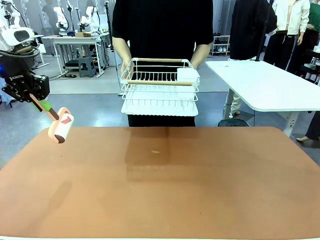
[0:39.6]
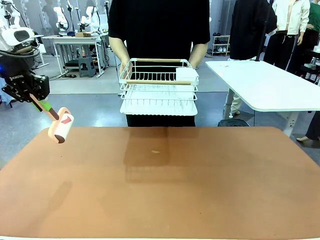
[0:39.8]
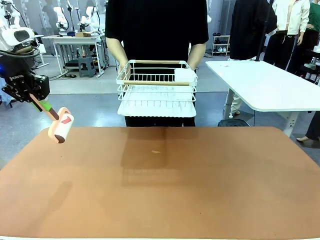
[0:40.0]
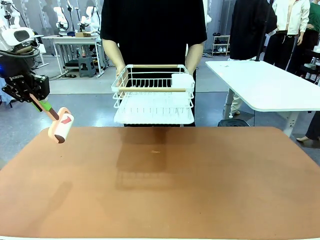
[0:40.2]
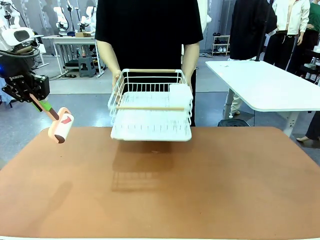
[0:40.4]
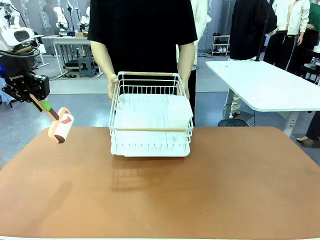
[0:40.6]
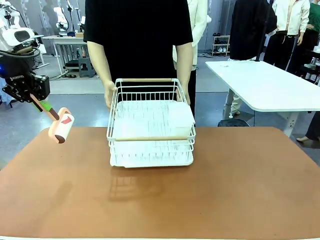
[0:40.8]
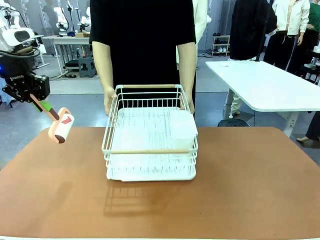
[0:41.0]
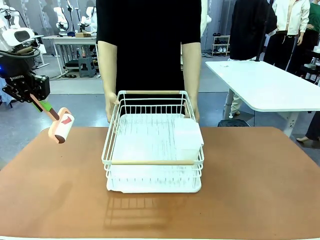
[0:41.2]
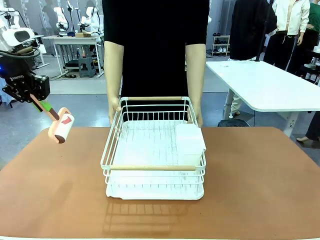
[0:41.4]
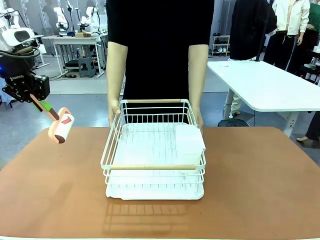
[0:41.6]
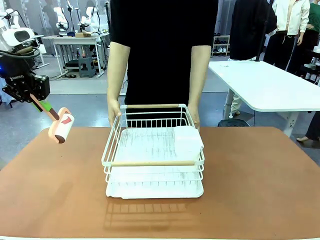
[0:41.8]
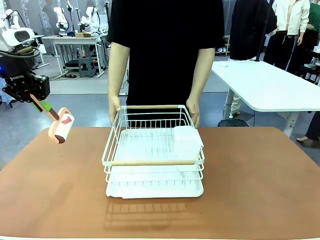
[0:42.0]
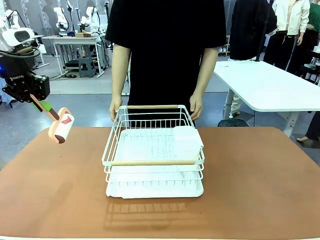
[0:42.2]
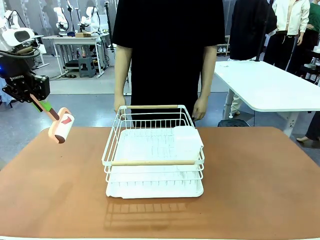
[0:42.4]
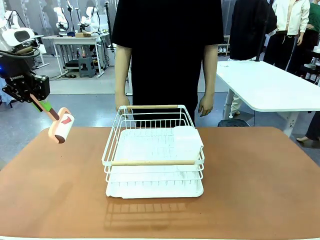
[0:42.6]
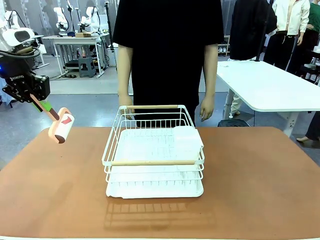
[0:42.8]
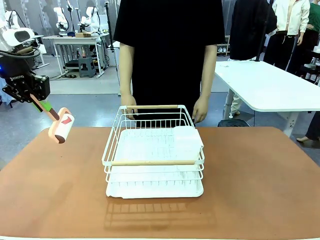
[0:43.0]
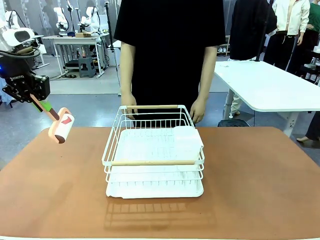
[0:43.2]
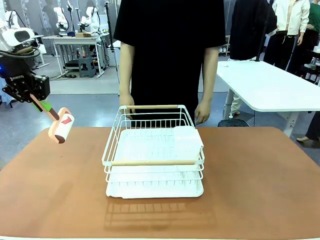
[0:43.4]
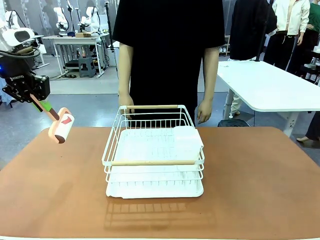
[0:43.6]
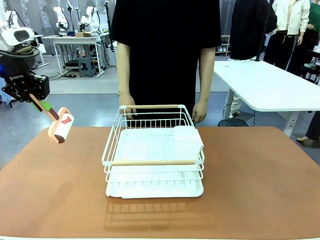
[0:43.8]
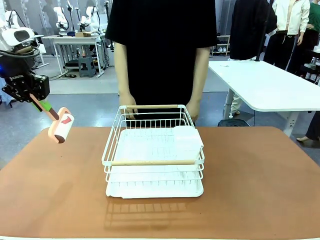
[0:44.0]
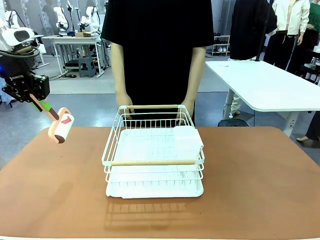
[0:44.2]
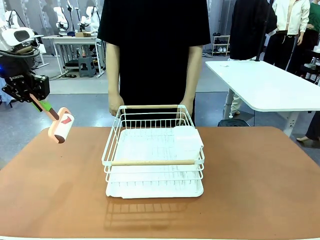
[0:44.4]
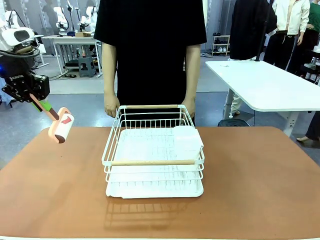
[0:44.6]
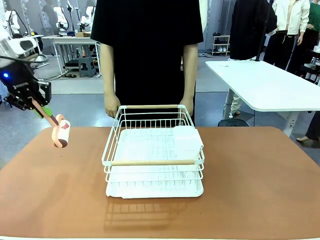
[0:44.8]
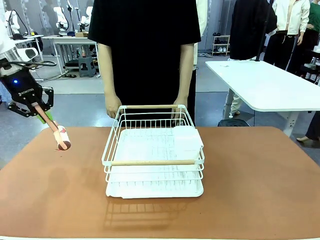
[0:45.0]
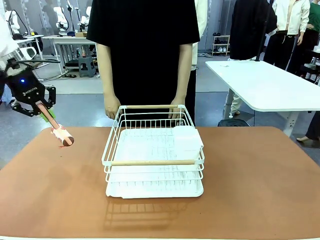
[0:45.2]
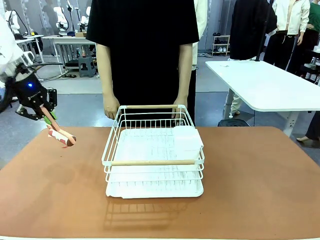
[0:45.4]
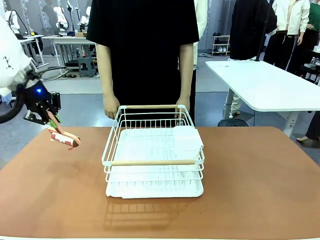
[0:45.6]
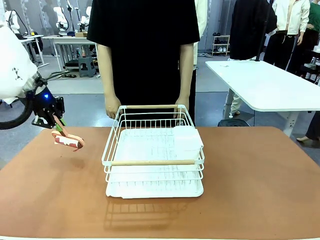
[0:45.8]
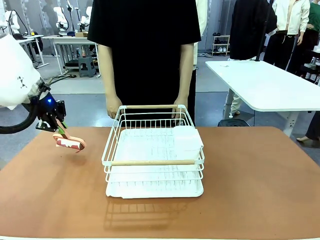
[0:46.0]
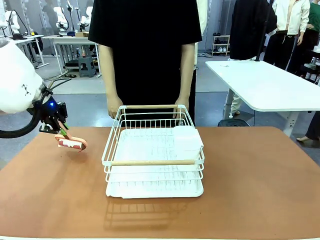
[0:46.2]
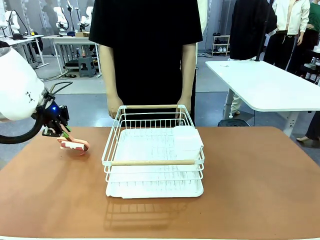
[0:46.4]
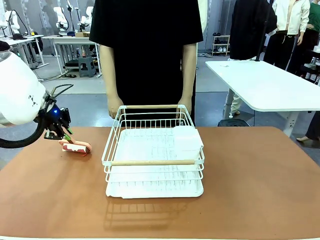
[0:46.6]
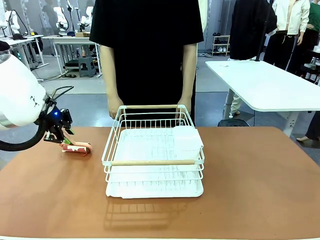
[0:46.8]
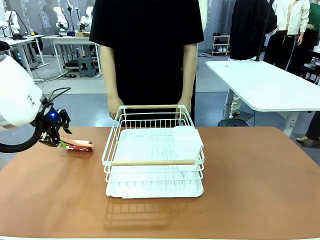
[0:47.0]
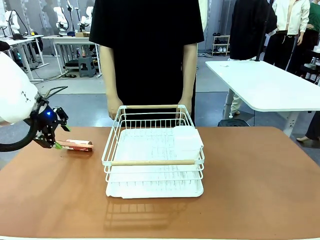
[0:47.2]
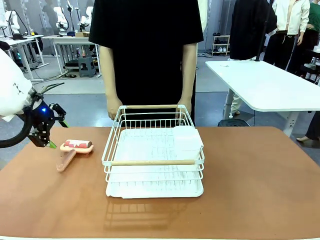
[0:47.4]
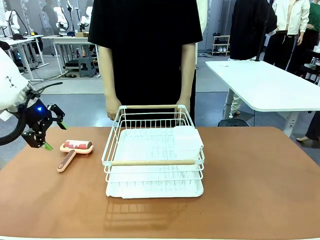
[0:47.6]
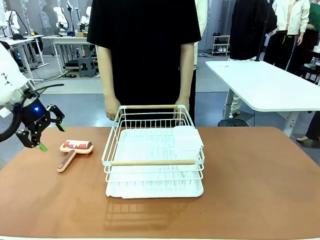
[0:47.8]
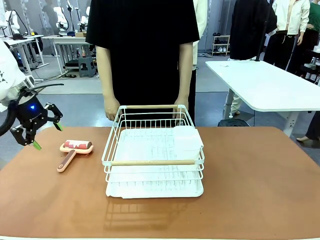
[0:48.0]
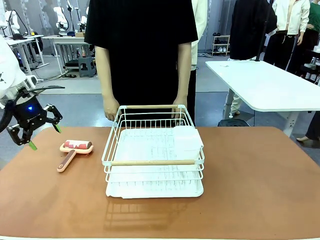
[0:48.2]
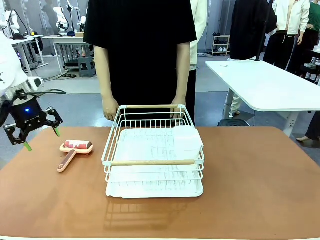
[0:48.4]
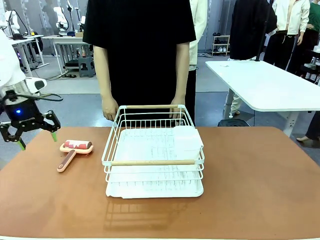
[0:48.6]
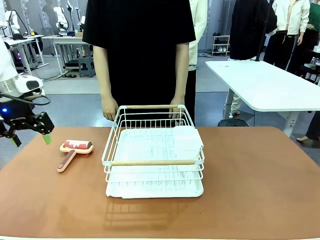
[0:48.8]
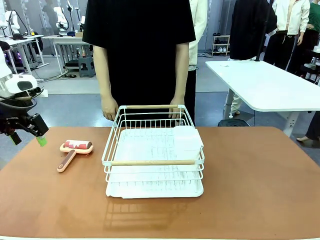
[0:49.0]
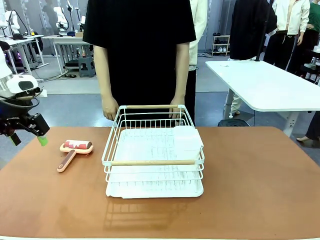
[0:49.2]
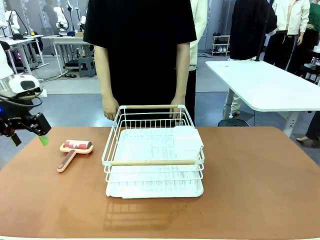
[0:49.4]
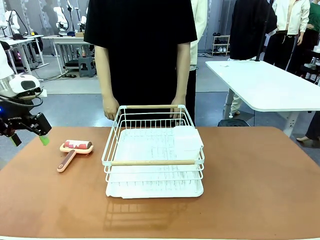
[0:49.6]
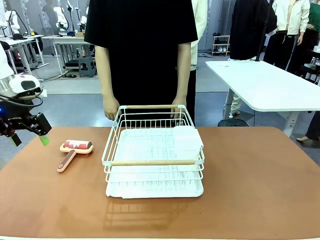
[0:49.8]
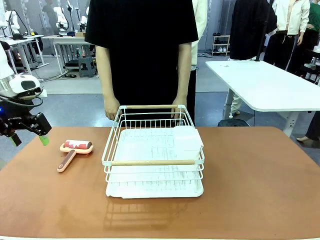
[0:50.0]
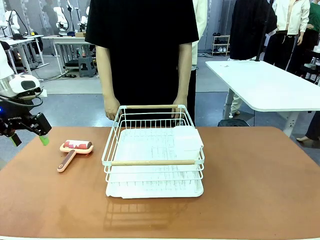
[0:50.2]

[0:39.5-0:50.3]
Task: Clean the table.
Robot: Place the Lint Roller down when the Dish drying rack is positioned in the middle of the table.

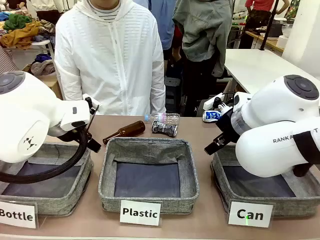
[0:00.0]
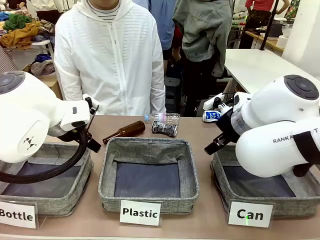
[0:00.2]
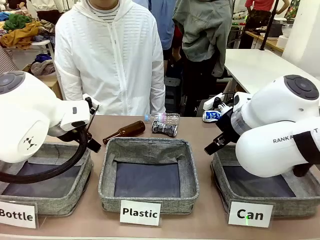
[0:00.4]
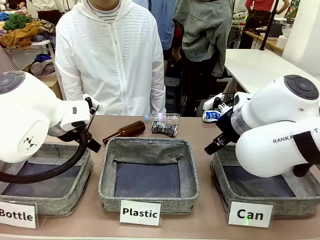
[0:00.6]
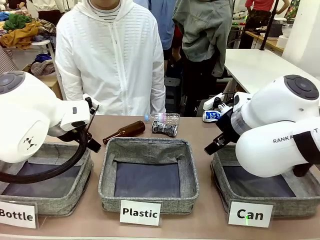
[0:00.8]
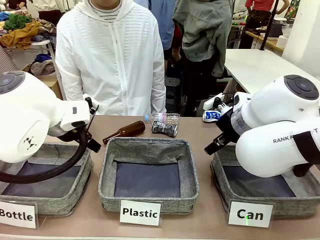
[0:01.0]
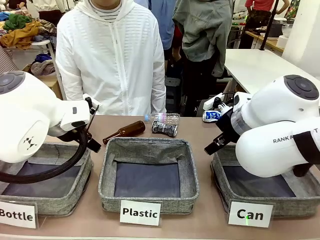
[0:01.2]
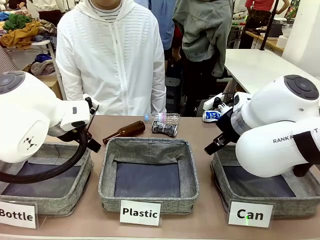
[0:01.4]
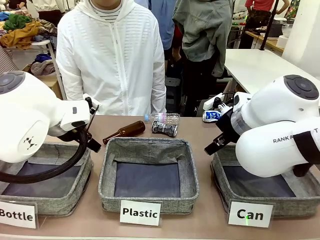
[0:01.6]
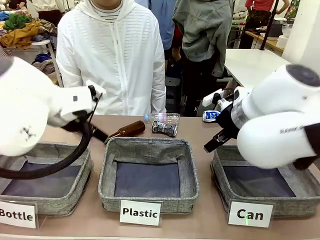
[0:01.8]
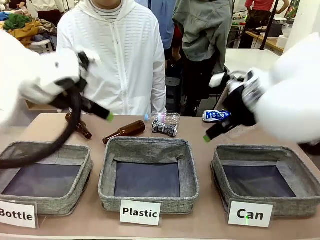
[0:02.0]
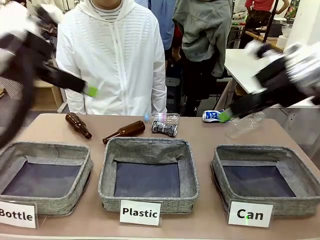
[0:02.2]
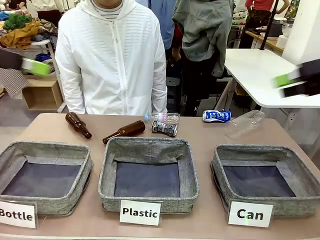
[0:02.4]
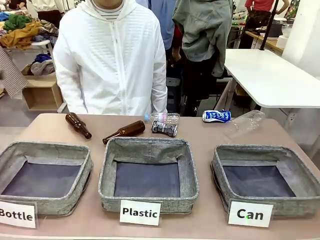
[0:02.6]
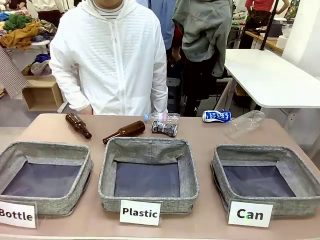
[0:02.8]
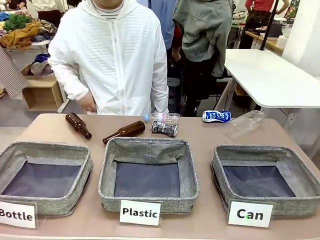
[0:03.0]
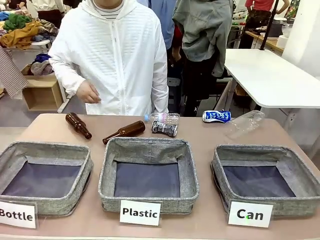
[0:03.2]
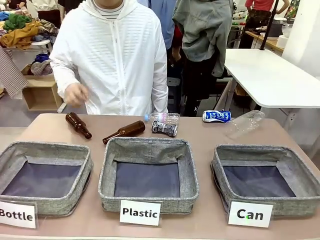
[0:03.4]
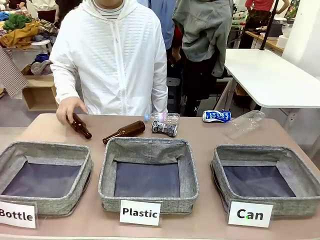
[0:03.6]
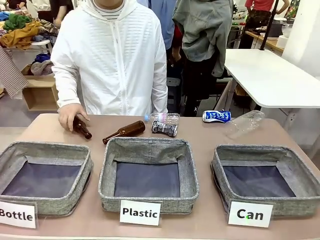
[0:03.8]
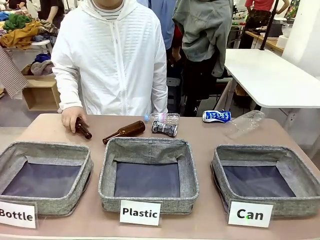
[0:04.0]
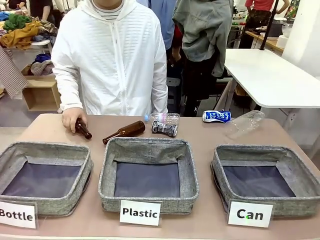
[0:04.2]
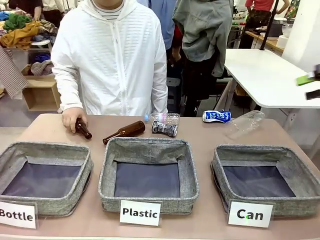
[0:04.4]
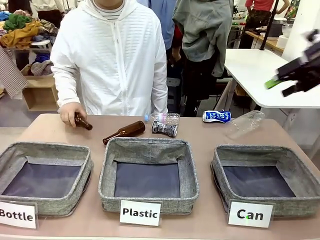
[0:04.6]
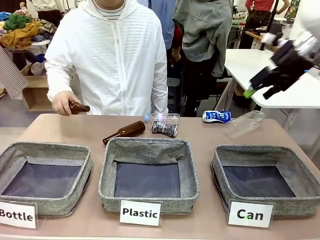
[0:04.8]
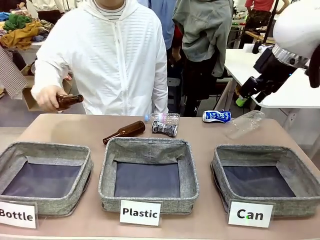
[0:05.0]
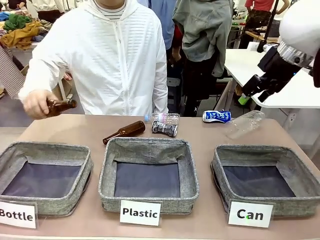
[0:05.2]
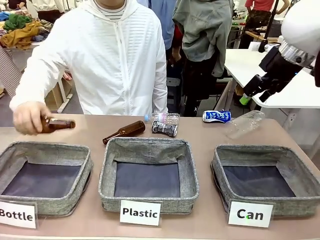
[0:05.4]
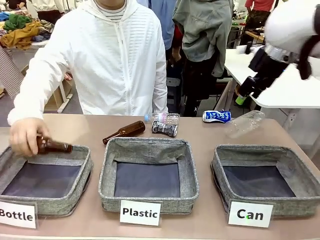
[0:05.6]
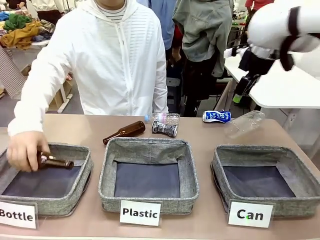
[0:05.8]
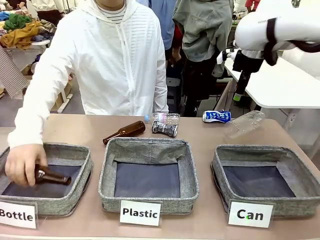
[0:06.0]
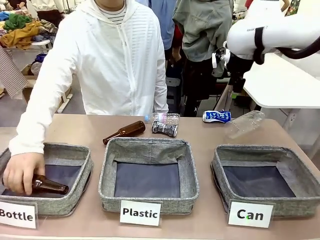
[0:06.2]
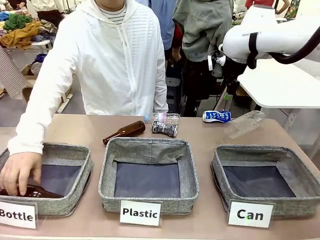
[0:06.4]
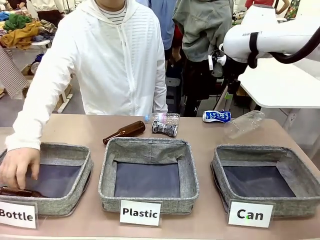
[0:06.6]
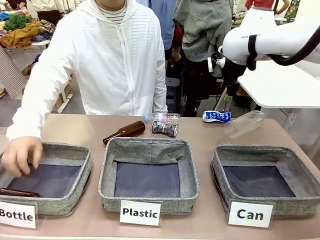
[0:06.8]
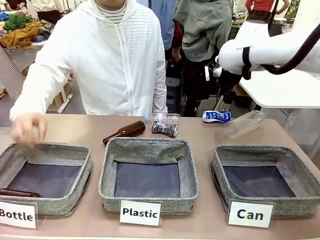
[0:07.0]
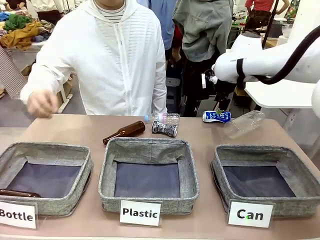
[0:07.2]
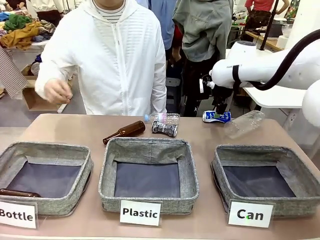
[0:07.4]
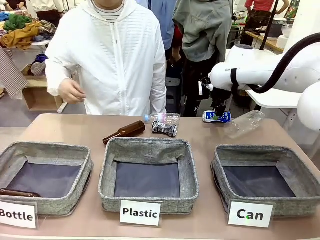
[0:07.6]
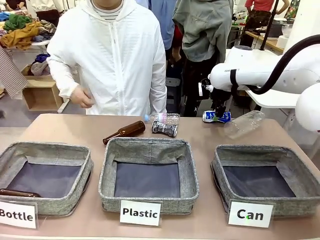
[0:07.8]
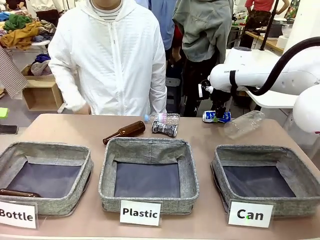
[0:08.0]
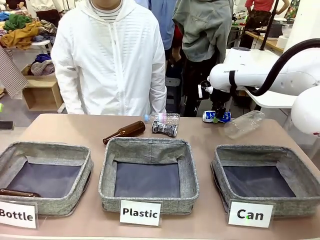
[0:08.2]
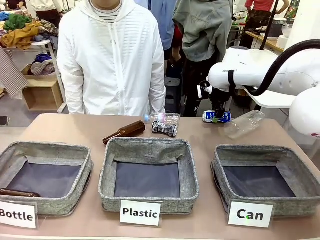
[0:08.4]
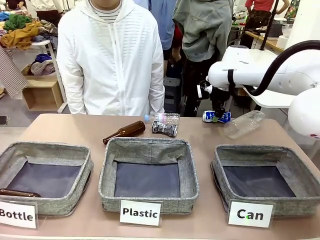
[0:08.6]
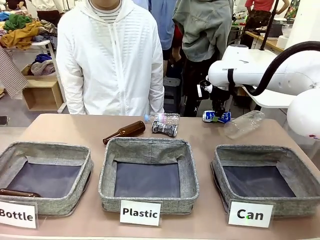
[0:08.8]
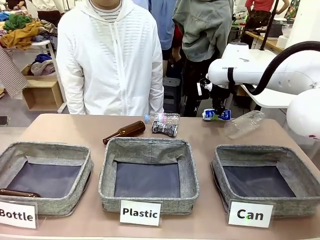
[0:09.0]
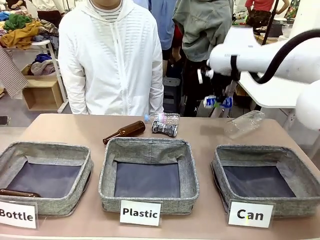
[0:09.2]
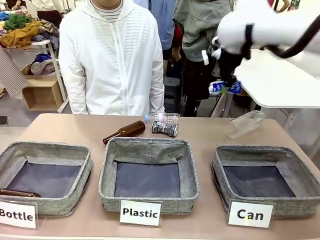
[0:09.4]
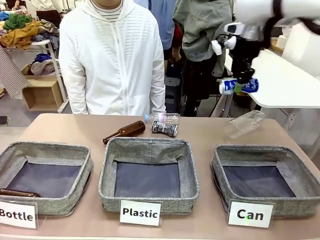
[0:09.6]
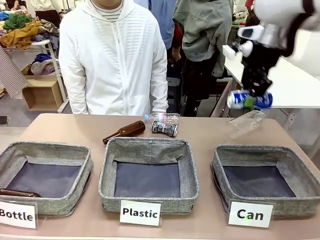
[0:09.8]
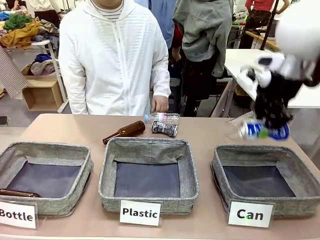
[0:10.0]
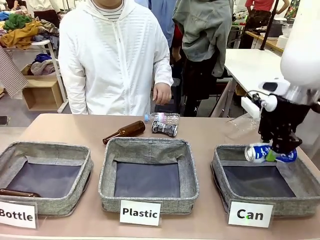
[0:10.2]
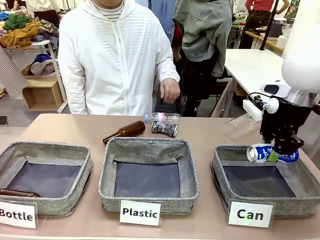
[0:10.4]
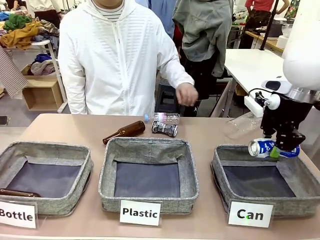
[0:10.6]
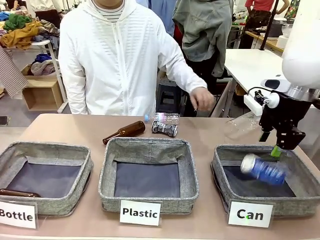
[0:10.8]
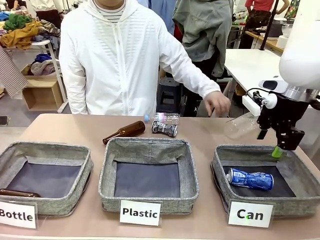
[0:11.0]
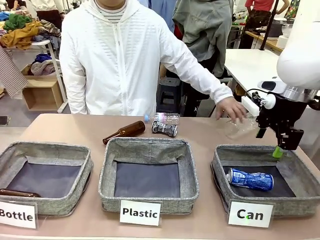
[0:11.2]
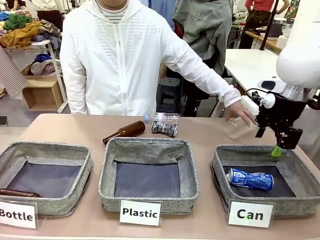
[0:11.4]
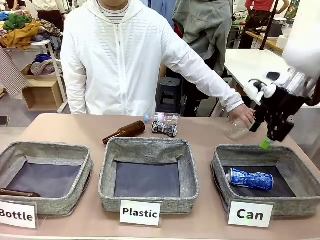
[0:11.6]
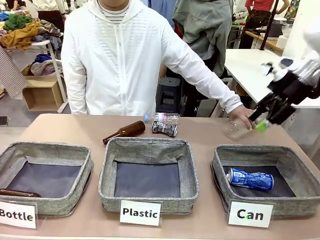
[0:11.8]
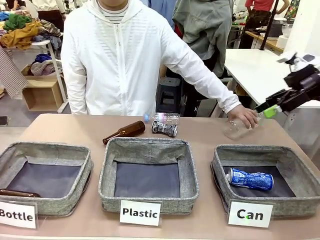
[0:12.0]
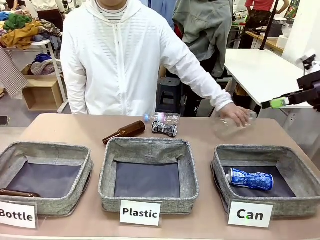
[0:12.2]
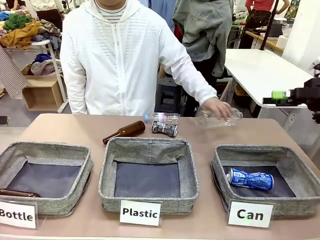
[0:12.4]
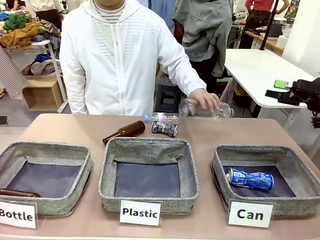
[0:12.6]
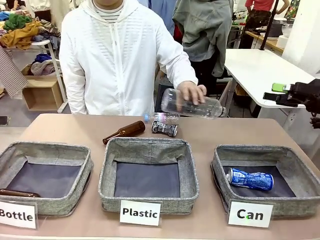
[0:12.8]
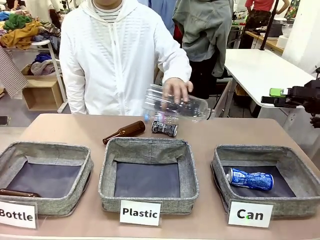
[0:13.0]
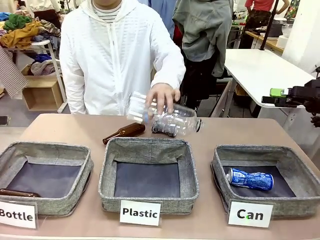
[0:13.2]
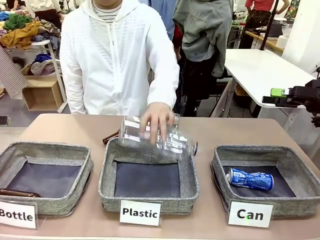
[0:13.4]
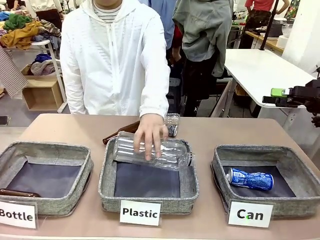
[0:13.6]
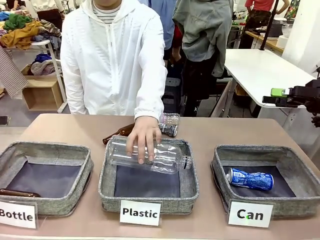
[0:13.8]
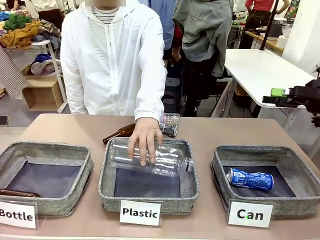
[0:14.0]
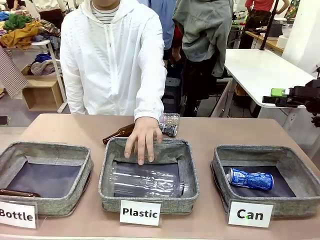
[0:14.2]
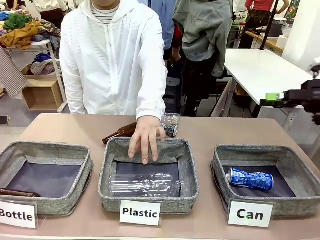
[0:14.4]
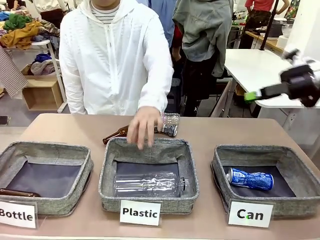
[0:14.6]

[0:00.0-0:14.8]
Task: Sort the can waste into the basket.
Robot: Pick up the can waste from the table and place it in the right Fabric basket.
